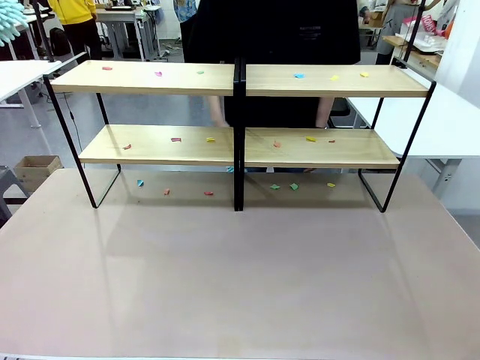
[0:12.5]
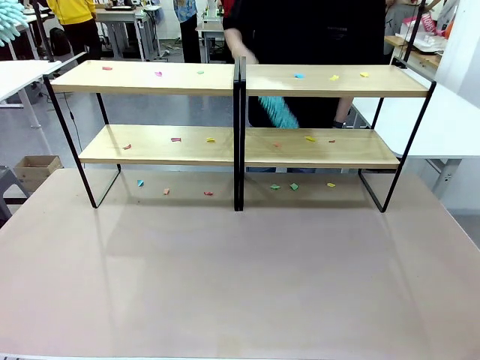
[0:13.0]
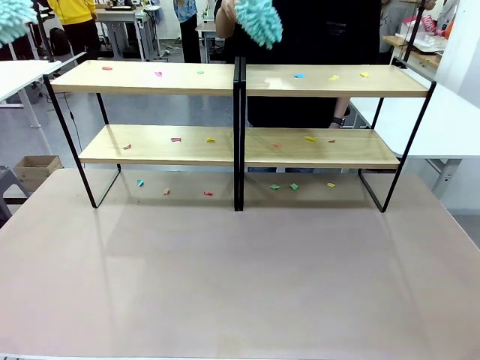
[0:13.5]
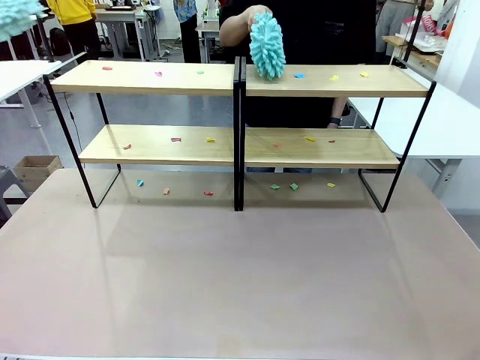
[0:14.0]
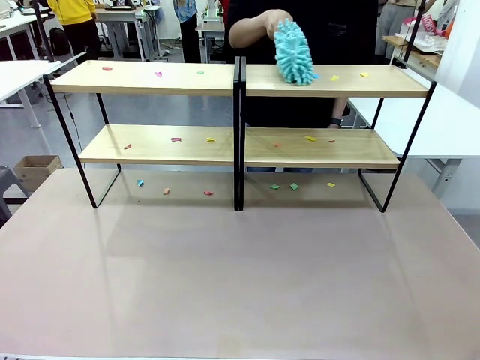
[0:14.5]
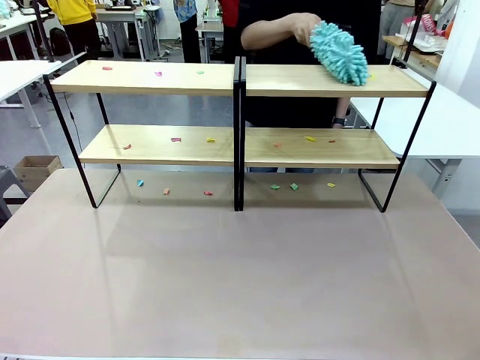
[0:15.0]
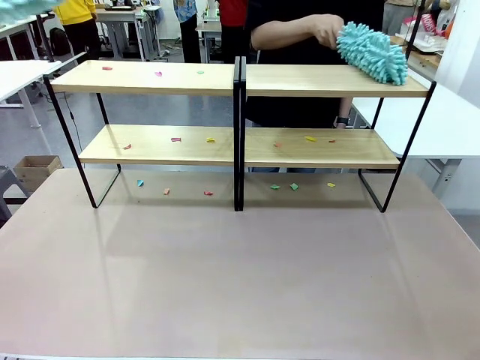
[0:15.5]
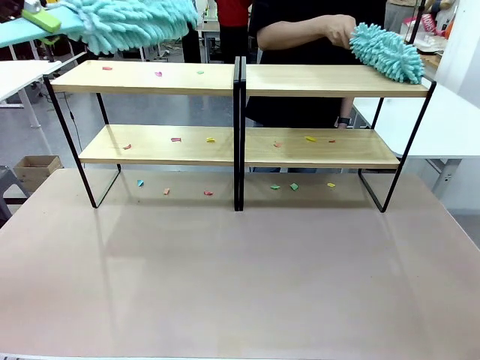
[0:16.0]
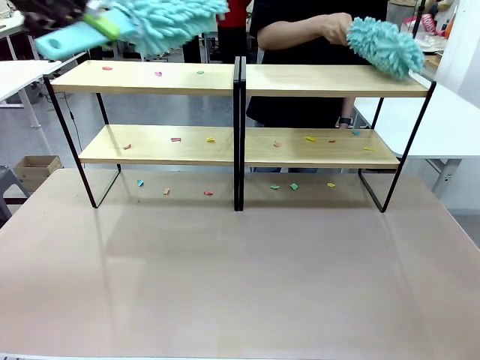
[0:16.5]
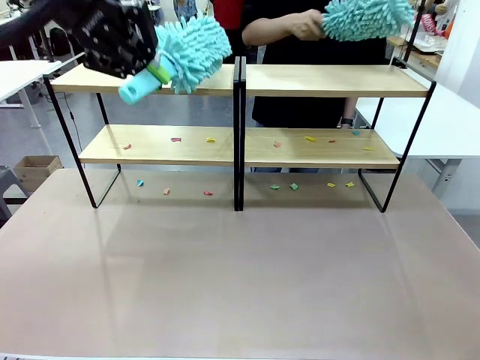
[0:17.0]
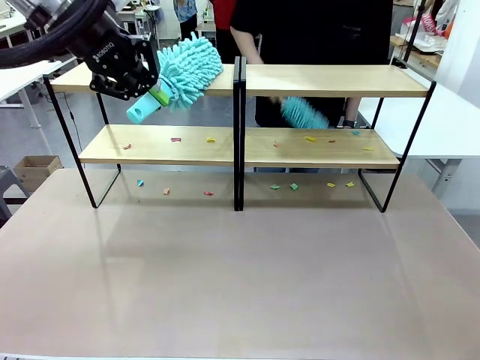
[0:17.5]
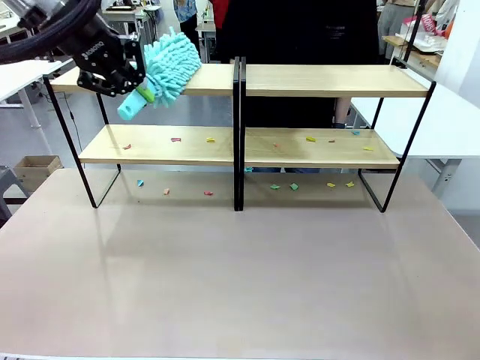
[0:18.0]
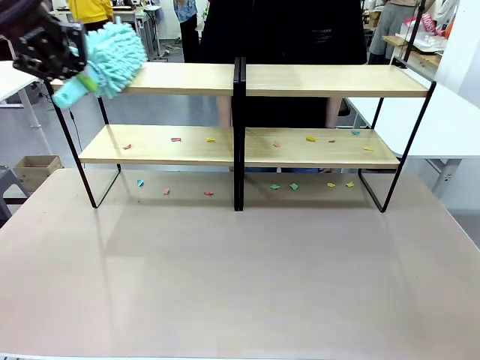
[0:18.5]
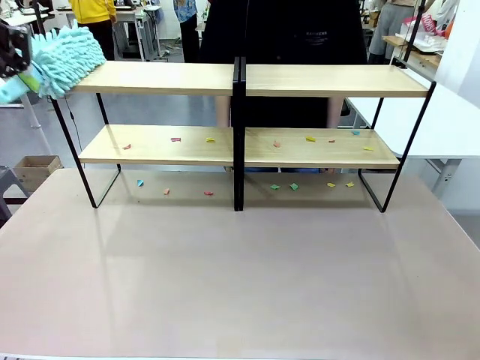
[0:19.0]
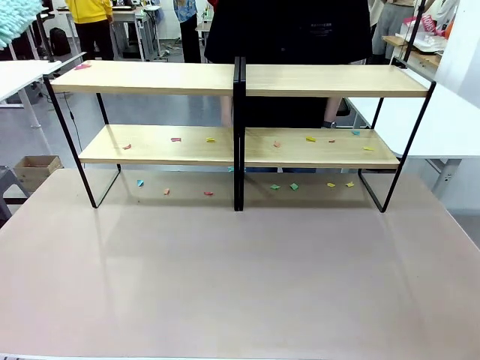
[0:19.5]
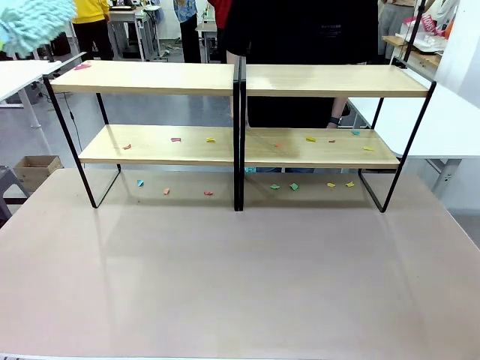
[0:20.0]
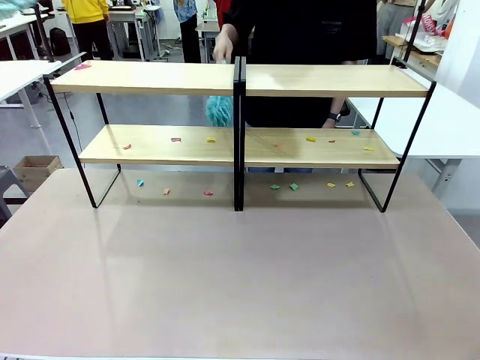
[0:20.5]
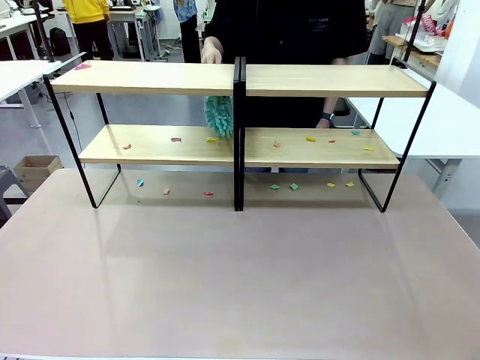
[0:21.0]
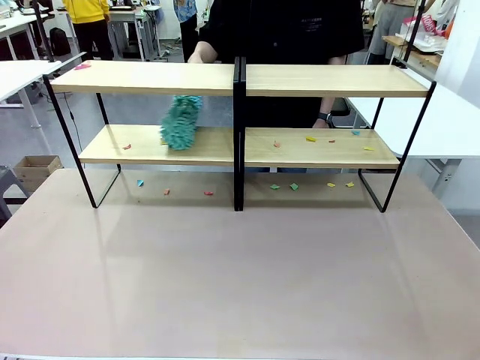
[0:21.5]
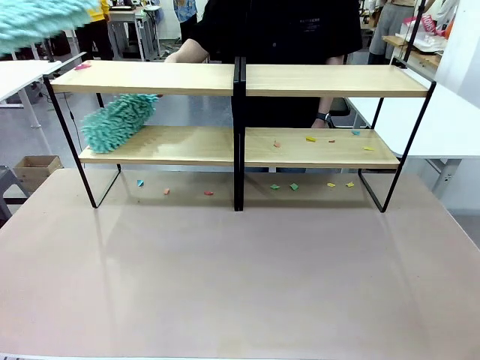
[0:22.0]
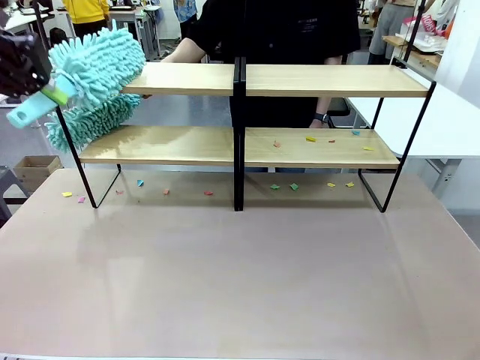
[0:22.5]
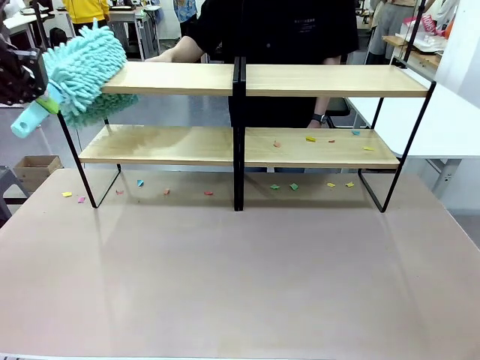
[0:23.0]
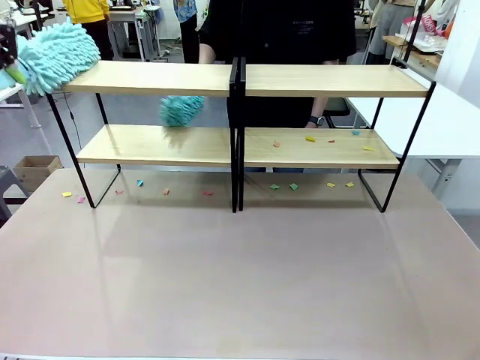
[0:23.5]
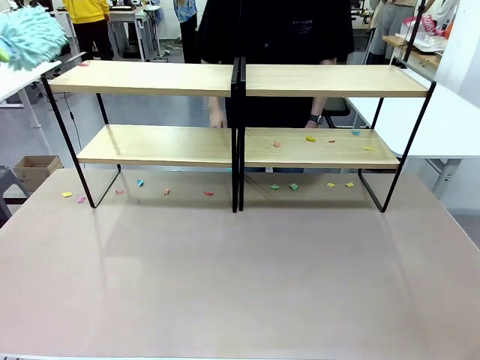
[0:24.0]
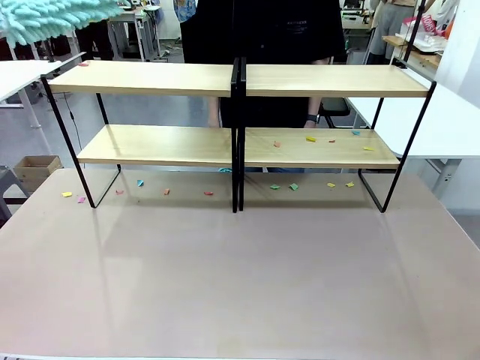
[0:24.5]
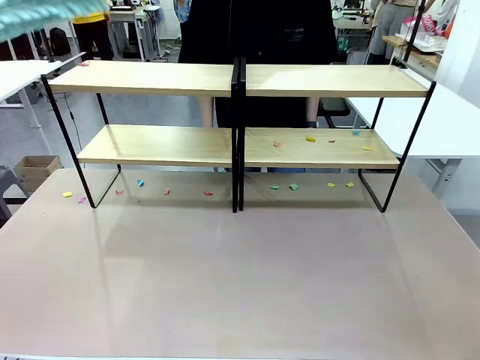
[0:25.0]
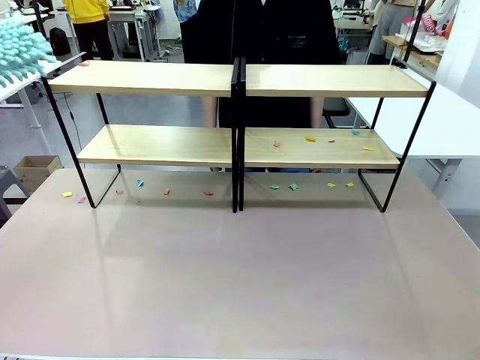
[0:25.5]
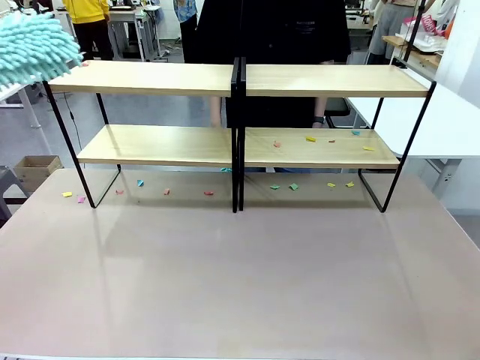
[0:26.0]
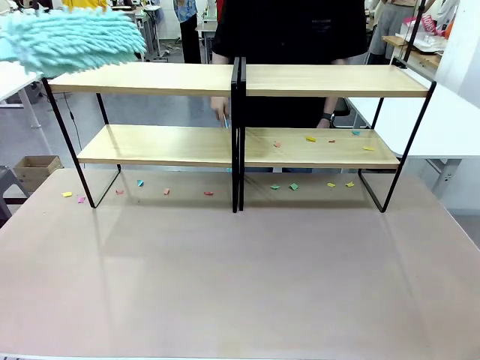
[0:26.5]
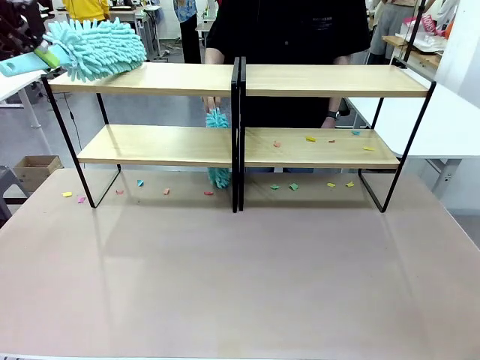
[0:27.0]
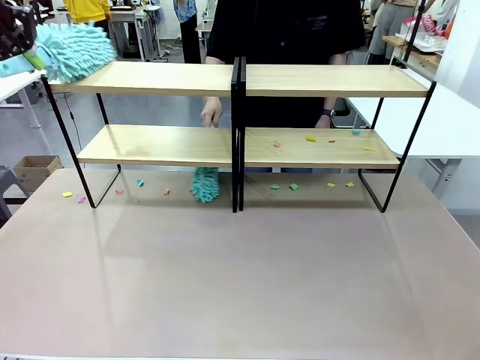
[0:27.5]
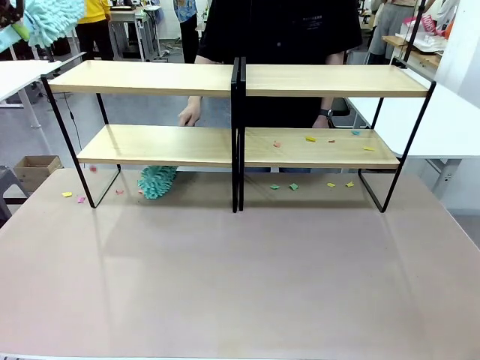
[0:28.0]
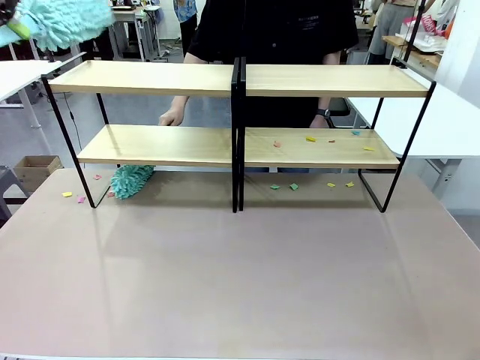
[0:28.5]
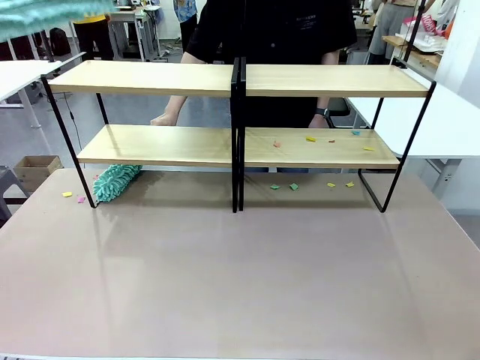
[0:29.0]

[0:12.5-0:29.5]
Task: Clean the shelves.
Robot: Clean a randomly selected level of the Shelf with the Duster.
